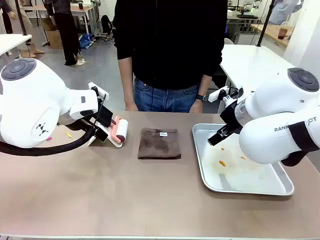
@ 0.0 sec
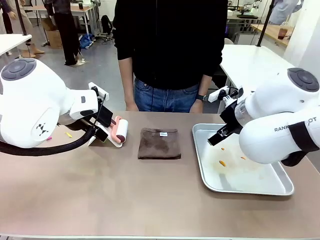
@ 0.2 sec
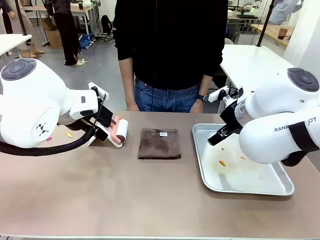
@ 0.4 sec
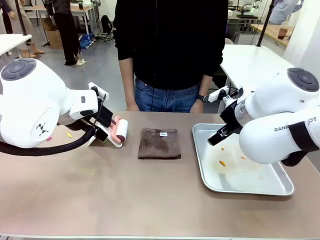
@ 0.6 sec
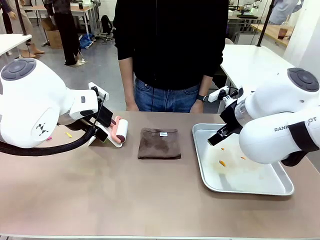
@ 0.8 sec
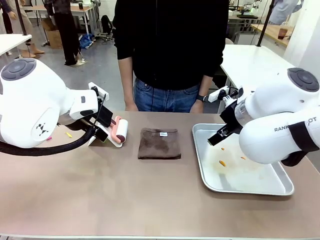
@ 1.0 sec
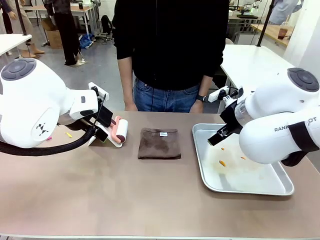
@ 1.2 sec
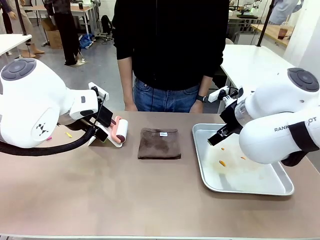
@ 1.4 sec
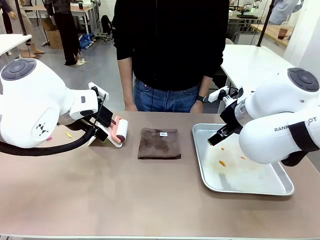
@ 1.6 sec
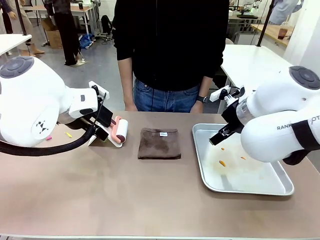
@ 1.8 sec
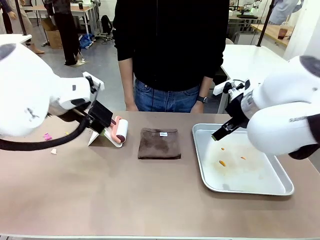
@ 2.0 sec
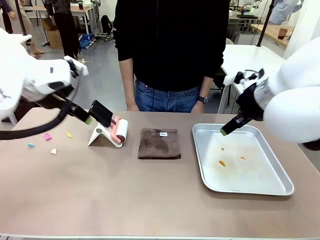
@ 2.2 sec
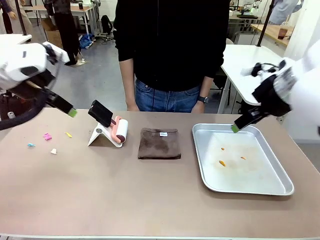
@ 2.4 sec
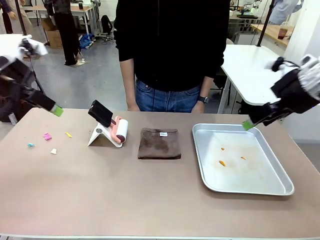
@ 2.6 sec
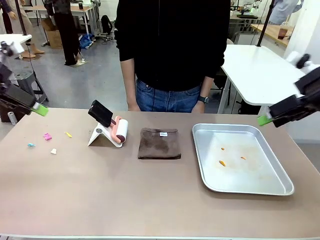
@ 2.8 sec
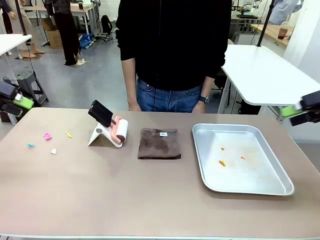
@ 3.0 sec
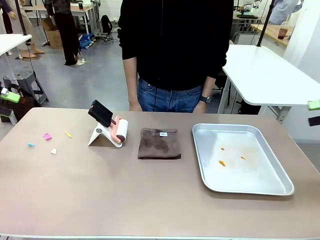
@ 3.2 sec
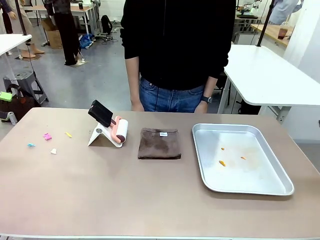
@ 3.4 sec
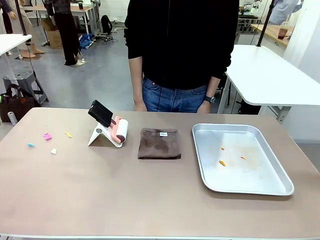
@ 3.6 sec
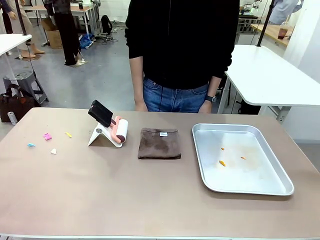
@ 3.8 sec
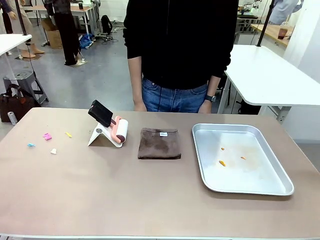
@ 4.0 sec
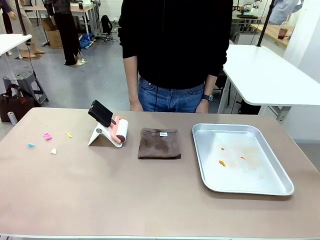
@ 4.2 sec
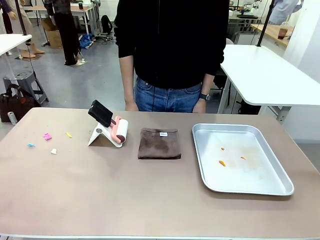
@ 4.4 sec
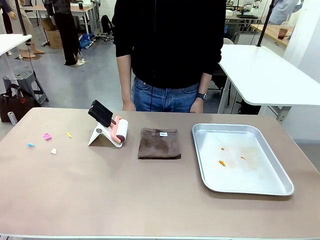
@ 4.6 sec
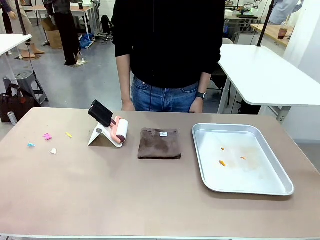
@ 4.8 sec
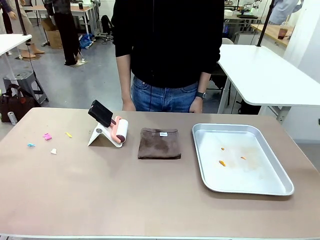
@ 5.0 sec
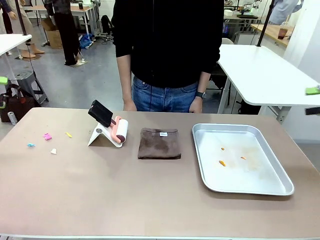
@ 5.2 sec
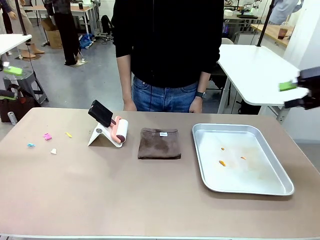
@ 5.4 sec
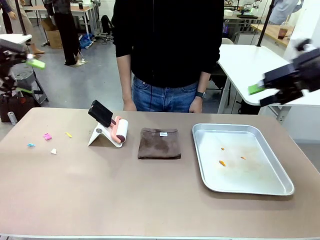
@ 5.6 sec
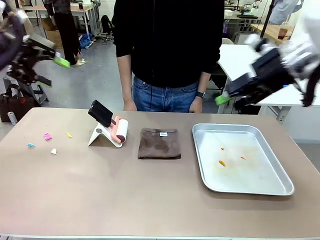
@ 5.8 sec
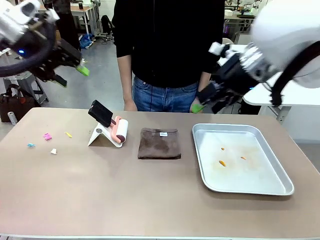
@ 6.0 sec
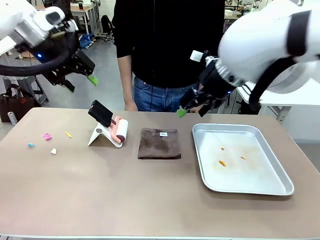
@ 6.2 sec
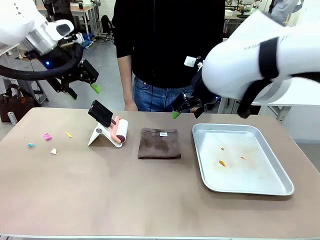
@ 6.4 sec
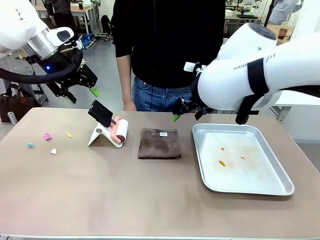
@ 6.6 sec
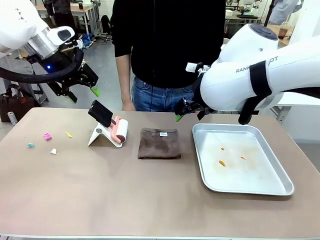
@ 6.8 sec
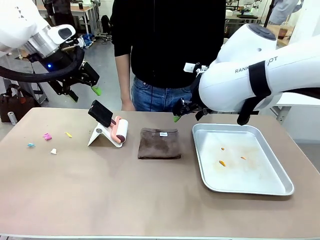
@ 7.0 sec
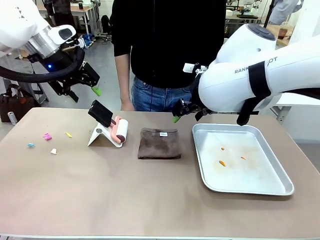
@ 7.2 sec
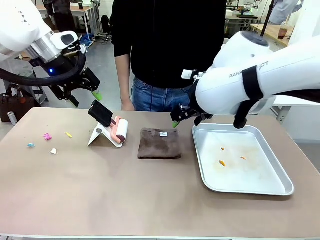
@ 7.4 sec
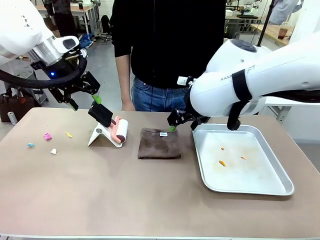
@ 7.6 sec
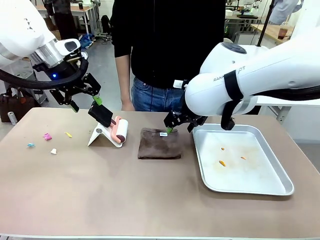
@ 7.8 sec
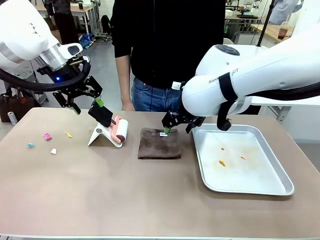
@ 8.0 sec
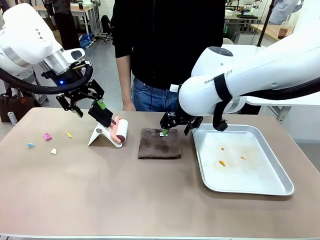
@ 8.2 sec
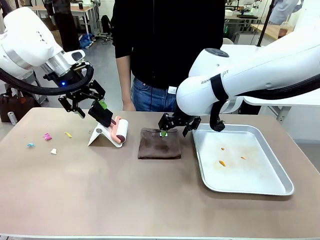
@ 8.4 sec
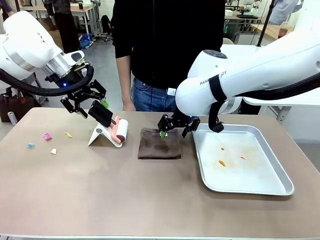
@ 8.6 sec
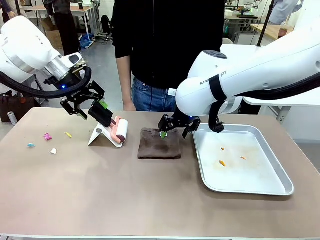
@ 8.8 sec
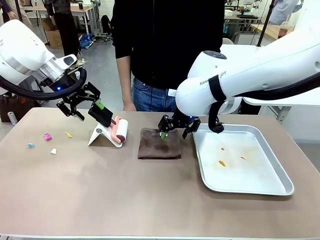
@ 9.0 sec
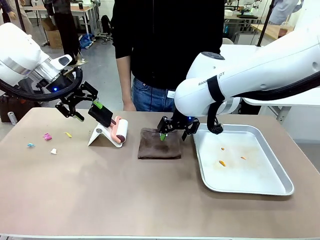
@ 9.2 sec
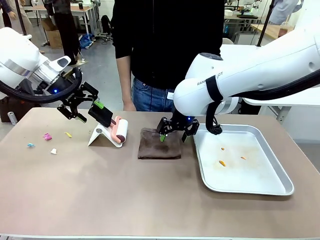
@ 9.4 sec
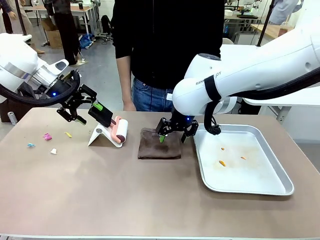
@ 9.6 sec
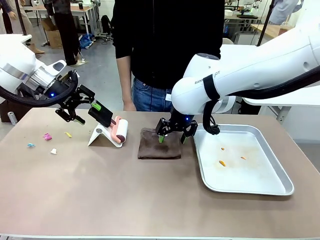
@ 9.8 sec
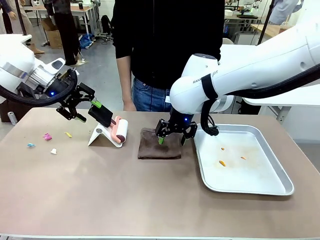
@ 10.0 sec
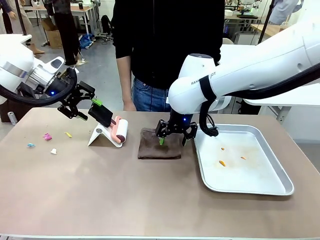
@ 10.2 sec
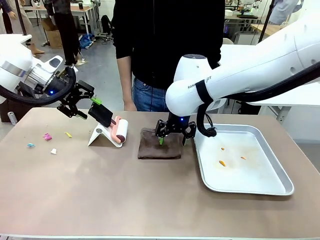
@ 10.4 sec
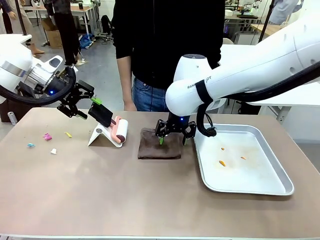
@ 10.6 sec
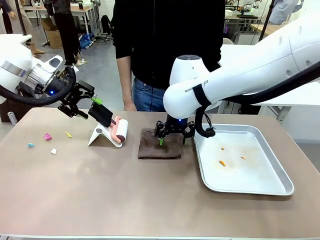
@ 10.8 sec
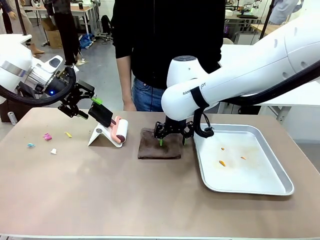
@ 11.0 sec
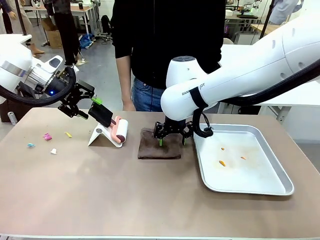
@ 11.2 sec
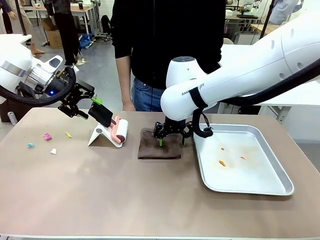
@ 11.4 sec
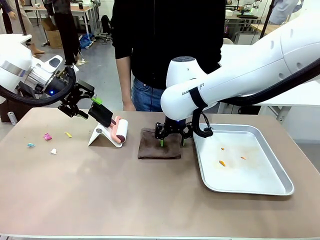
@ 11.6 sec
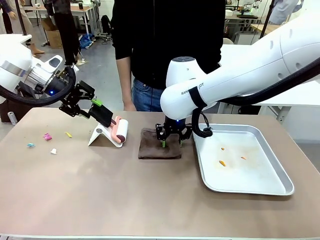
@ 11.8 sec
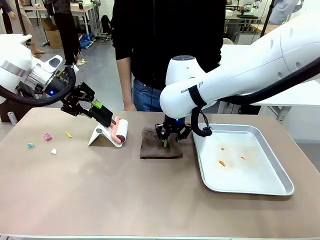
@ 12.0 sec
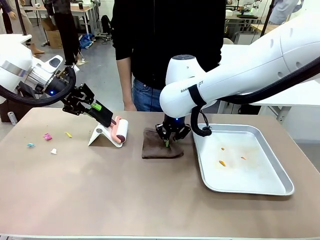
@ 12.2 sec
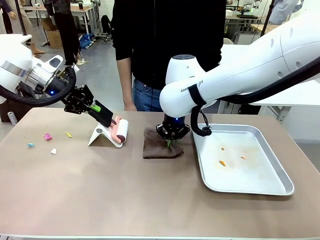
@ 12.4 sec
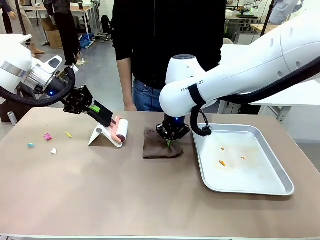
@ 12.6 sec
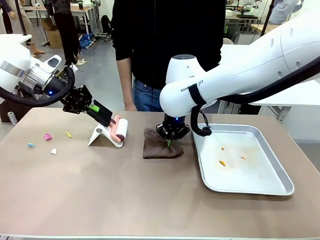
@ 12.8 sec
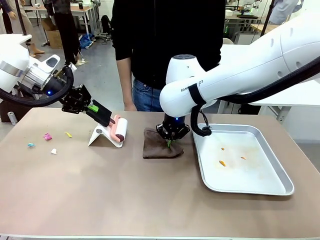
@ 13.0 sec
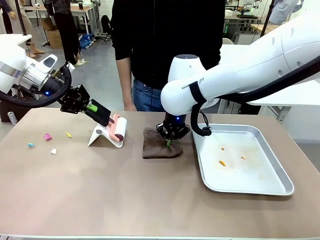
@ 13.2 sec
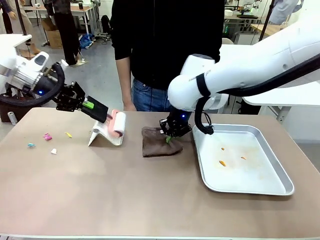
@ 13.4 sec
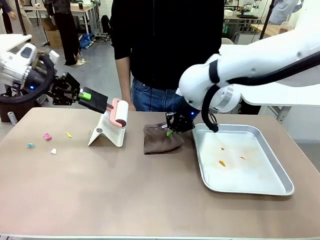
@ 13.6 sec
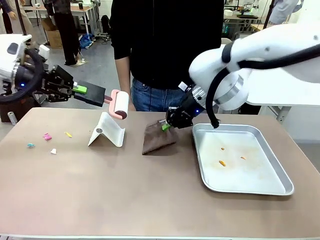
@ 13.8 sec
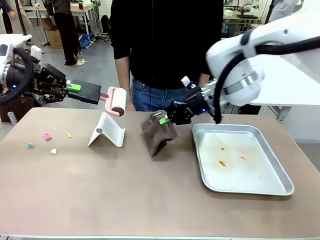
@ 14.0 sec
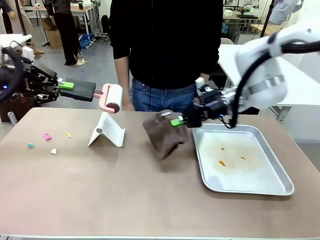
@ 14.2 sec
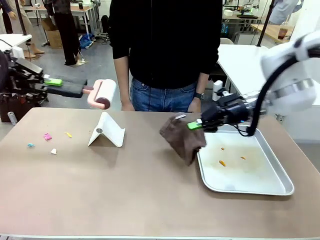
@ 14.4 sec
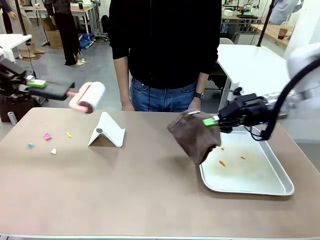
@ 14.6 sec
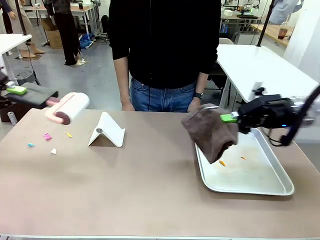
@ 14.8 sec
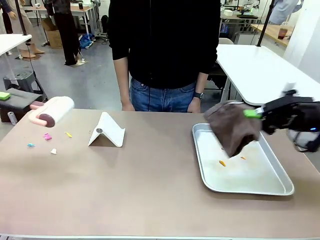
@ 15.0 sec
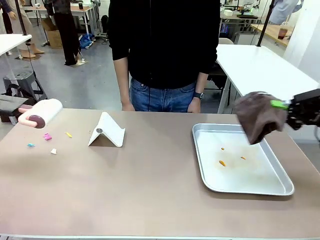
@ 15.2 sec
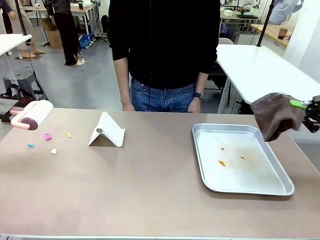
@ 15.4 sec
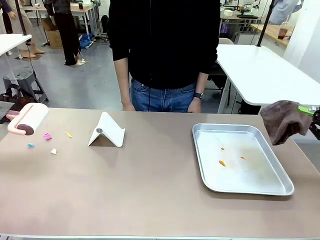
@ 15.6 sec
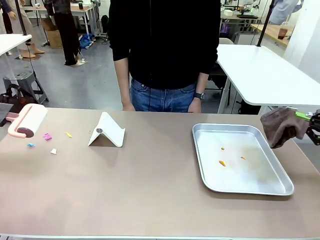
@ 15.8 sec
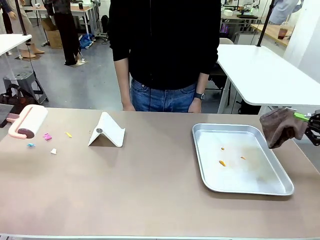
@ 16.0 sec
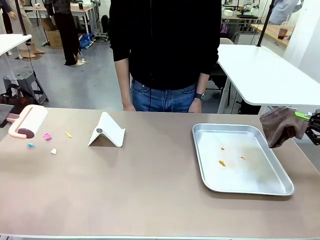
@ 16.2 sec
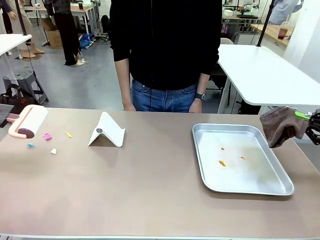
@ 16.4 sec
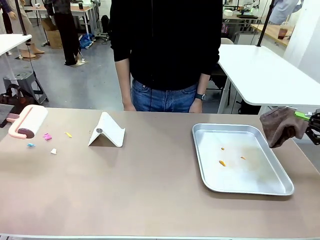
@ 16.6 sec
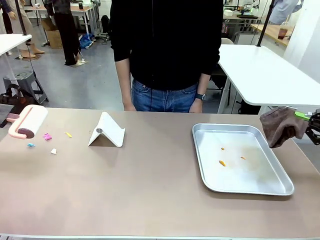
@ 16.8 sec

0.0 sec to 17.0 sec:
Task: Clean the surface of the table.
Robot: Hold the Lint Roller with your left hand and the towel with your right hand.
